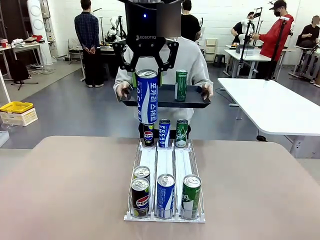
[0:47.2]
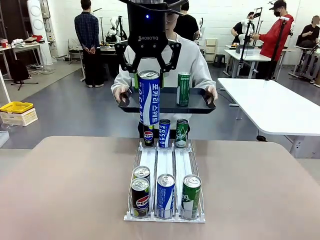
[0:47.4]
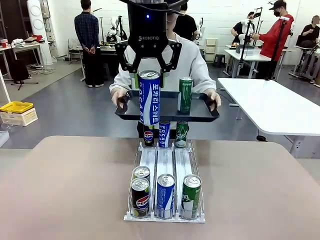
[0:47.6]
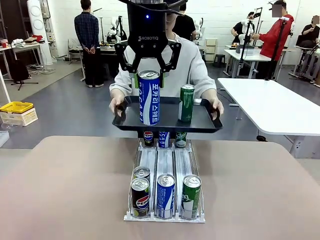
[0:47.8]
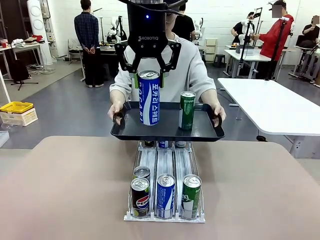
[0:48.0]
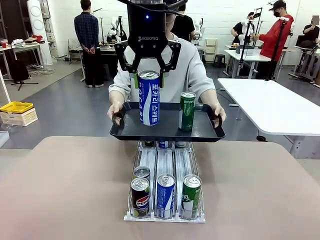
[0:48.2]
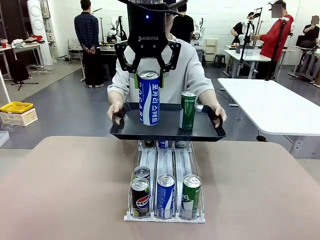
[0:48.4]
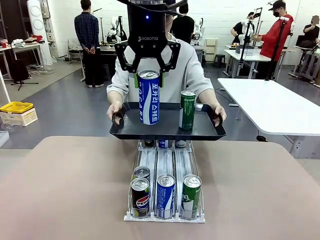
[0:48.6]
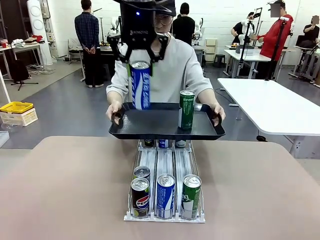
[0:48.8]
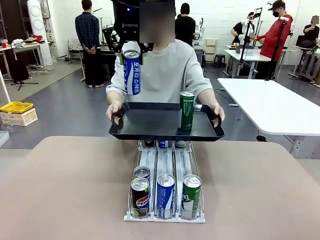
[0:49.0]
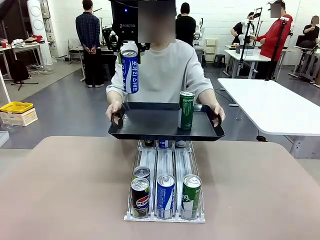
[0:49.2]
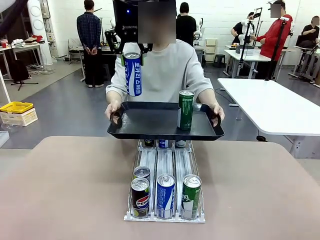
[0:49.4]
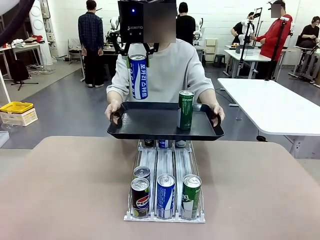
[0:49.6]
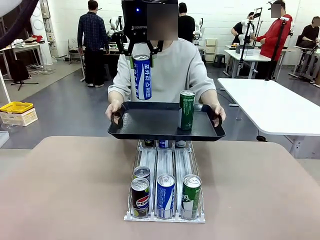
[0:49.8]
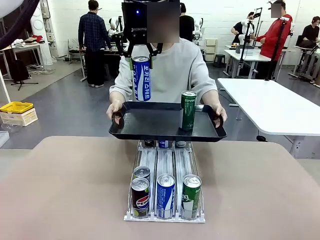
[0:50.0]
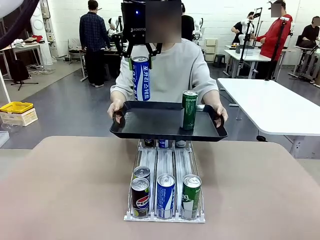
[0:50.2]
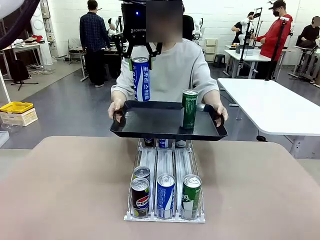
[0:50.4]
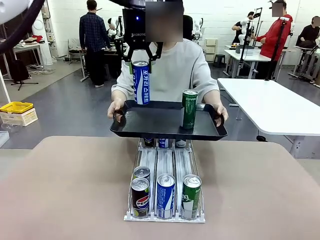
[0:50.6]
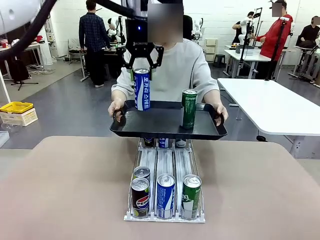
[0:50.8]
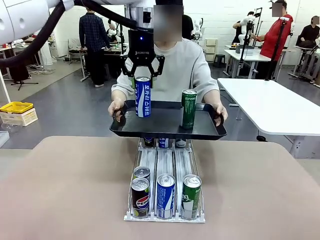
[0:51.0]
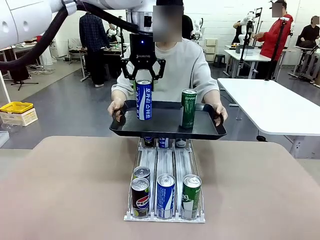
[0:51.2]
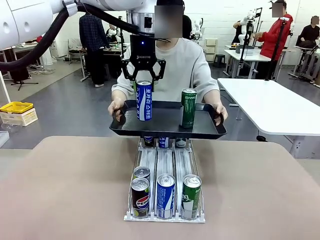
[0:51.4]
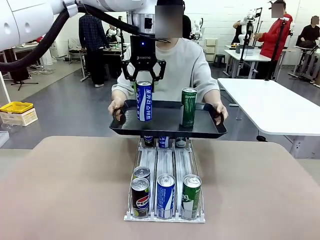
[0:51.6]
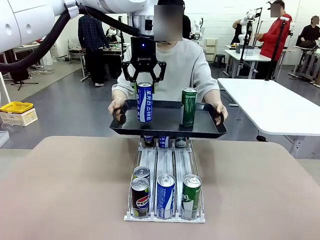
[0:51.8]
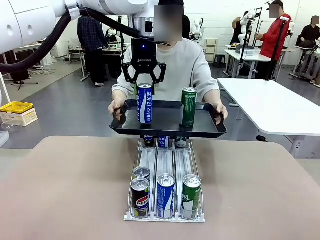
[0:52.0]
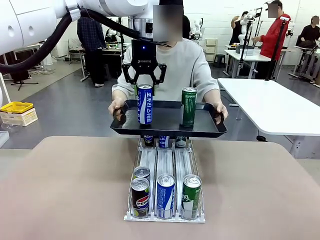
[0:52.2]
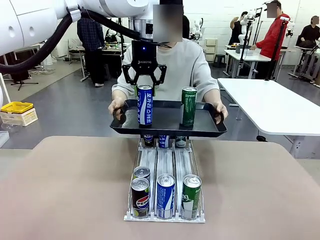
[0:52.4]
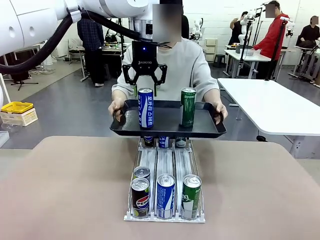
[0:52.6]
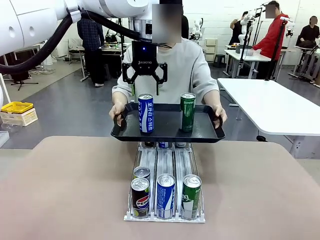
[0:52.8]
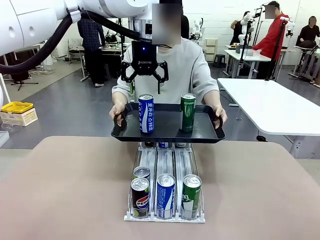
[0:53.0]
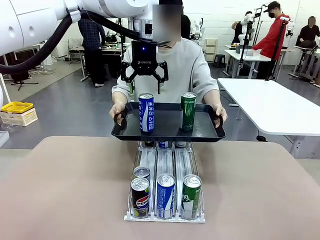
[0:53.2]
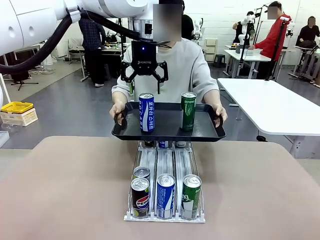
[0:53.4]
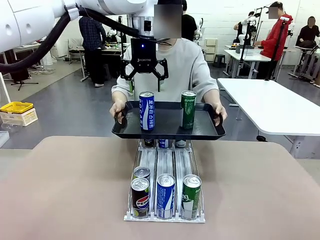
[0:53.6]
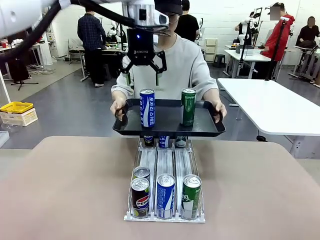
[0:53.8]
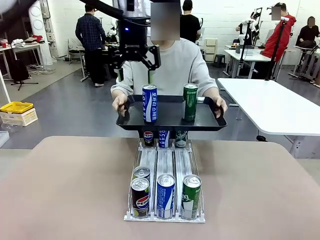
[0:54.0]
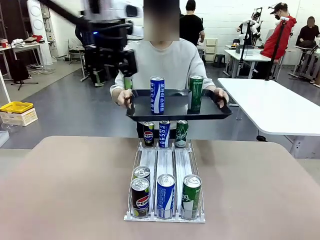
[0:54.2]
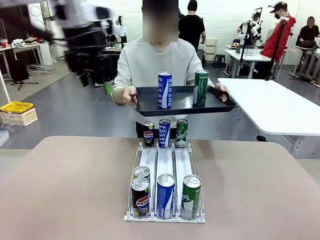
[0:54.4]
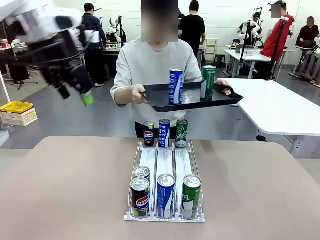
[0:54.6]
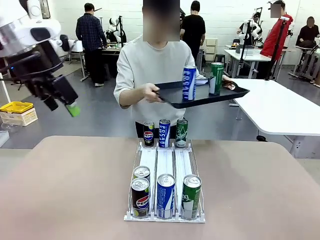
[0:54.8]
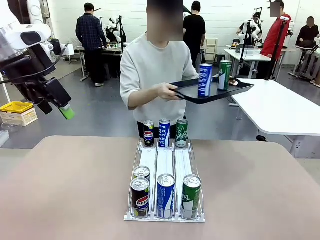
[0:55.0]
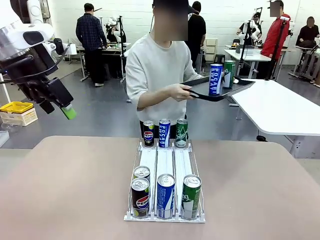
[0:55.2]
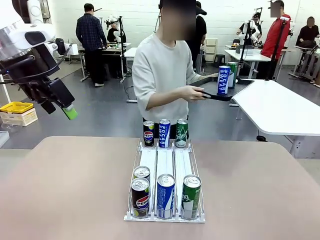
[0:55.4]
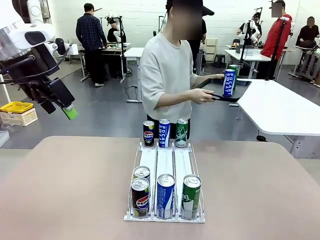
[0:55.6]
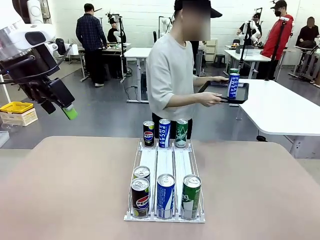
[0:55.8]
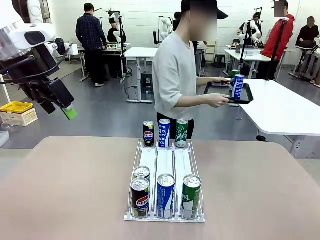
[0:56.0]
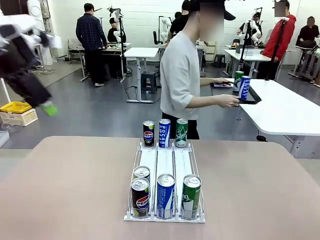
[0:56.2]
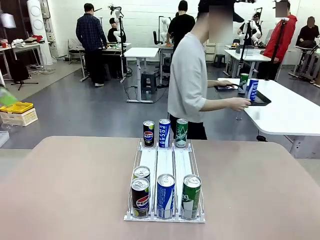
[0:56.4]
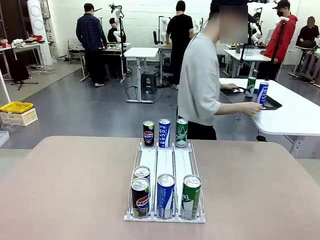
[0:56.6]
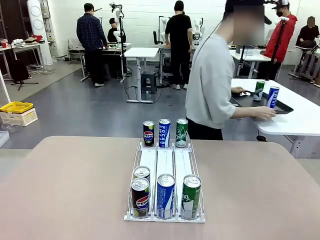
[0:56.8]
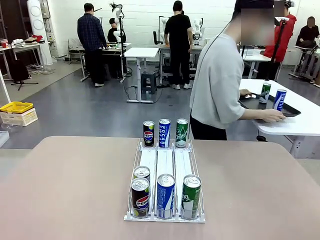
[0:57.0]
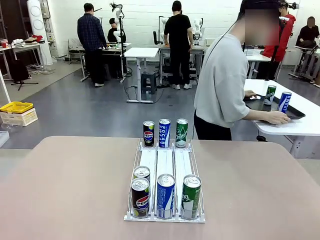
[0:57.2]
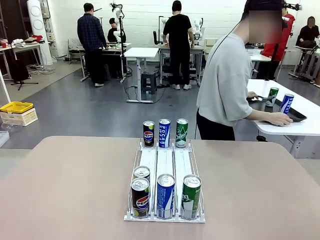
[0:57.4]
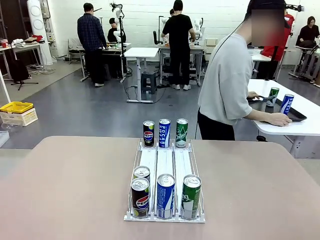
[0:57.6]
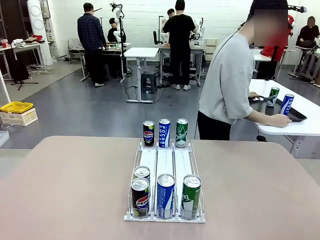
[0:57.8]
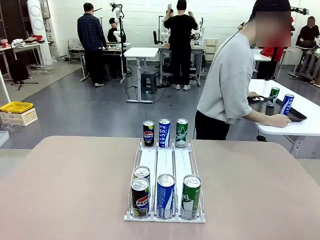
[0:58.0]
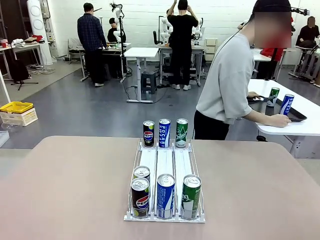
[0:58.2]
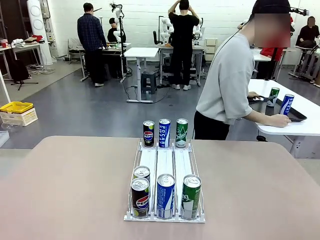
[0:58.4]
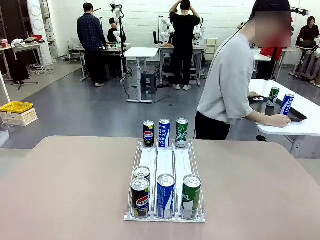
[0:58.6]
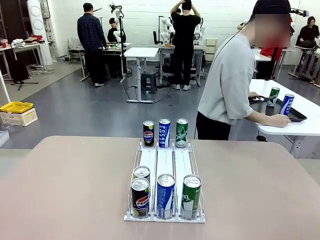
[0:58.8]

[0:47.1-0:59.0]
Task: Retrieve and hand over the desired beverage to the person.
Robot: Place the picked can on the Handle tray extended by the person.
Person: Pull the tray back and place it at the center of the human table.

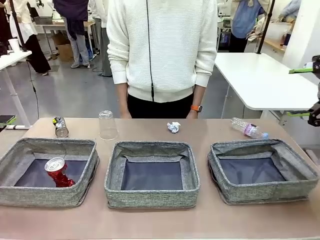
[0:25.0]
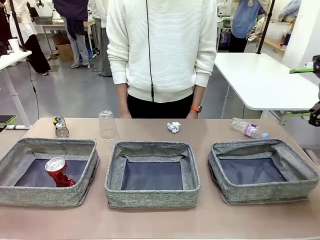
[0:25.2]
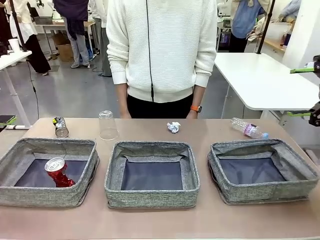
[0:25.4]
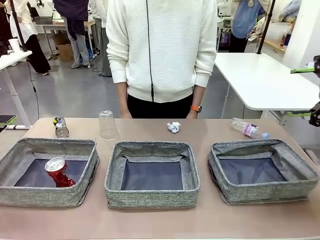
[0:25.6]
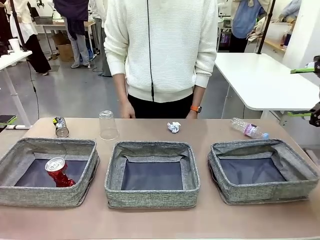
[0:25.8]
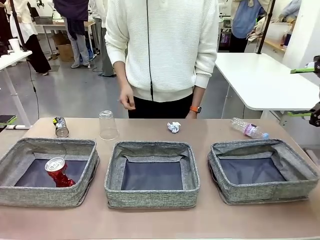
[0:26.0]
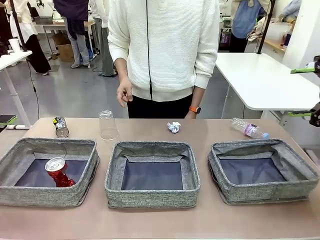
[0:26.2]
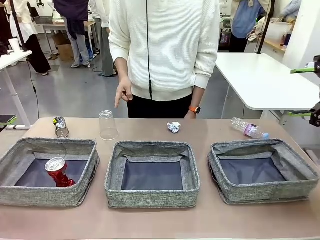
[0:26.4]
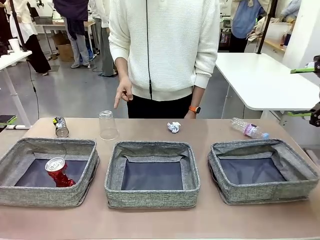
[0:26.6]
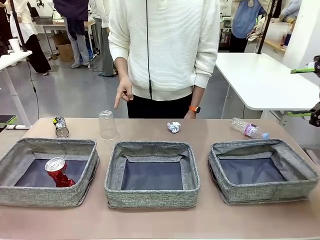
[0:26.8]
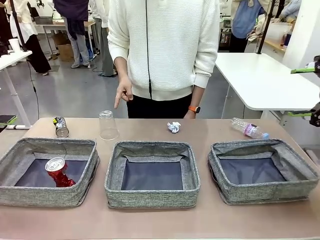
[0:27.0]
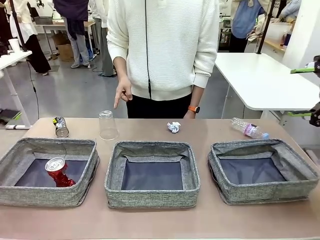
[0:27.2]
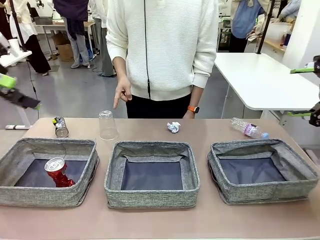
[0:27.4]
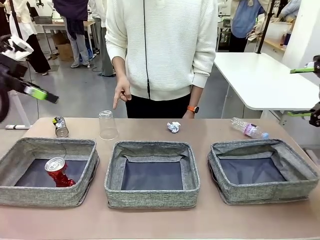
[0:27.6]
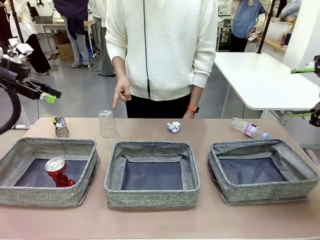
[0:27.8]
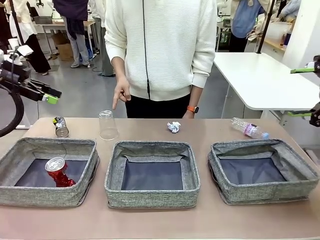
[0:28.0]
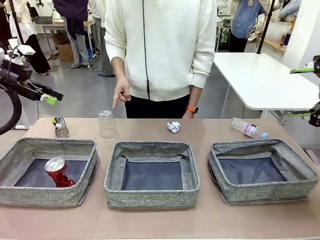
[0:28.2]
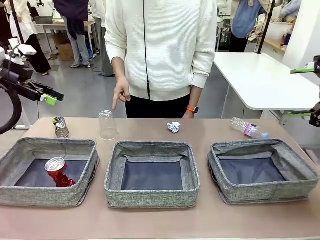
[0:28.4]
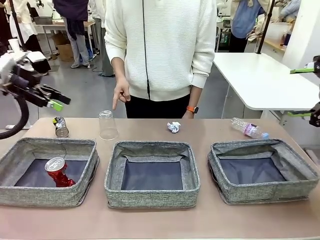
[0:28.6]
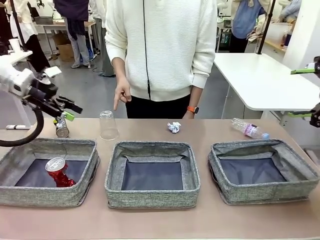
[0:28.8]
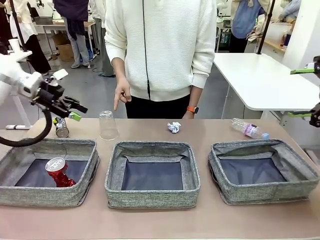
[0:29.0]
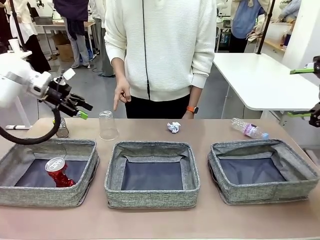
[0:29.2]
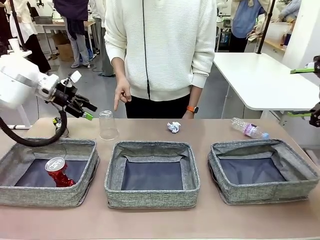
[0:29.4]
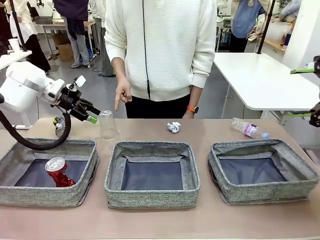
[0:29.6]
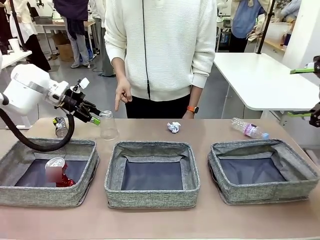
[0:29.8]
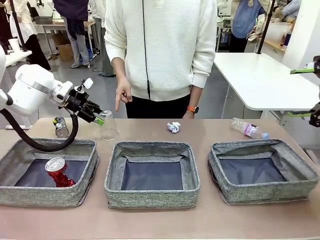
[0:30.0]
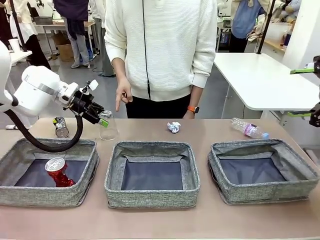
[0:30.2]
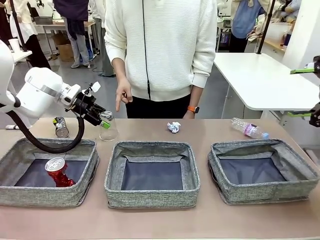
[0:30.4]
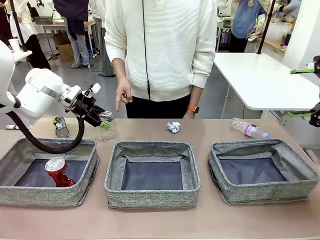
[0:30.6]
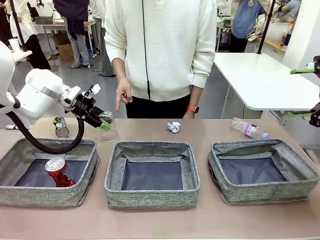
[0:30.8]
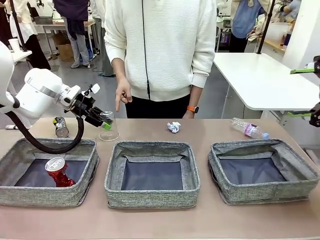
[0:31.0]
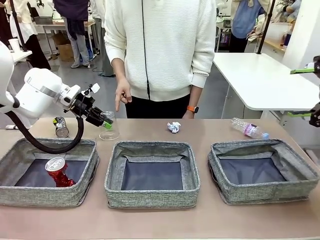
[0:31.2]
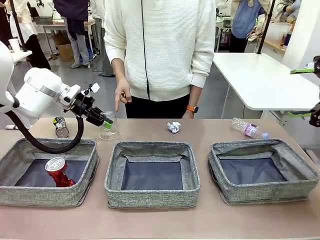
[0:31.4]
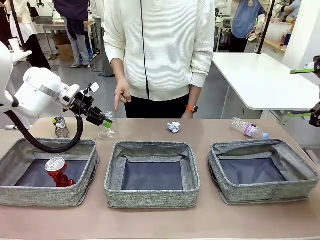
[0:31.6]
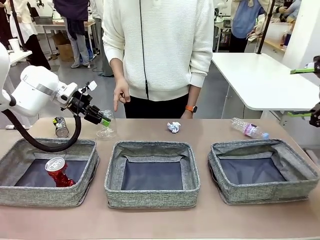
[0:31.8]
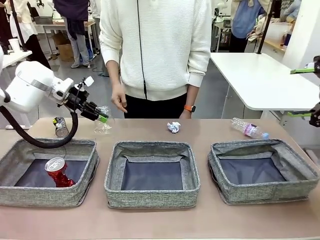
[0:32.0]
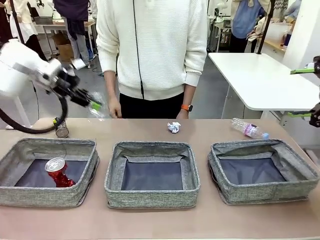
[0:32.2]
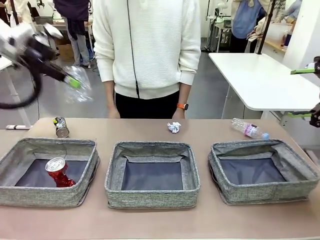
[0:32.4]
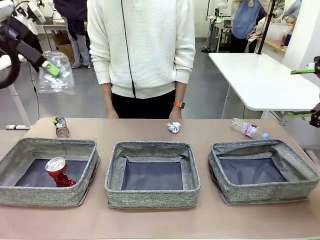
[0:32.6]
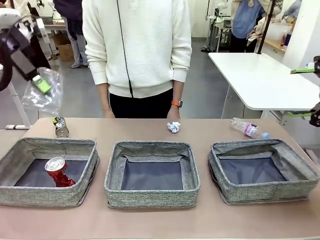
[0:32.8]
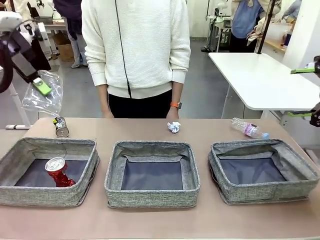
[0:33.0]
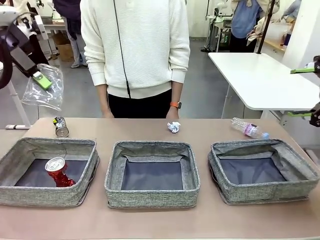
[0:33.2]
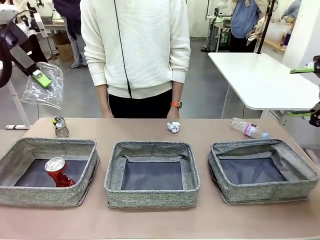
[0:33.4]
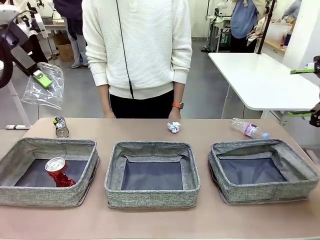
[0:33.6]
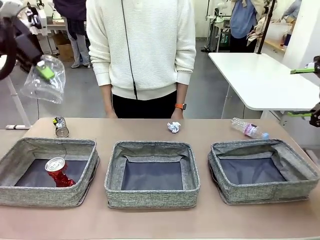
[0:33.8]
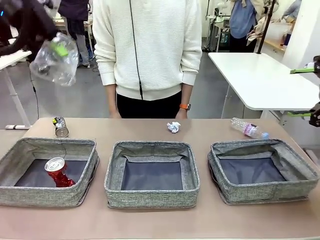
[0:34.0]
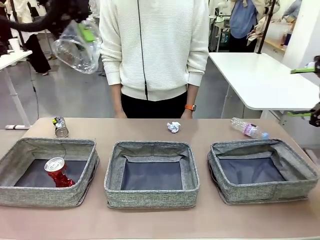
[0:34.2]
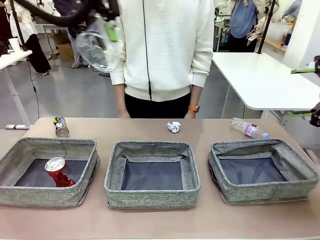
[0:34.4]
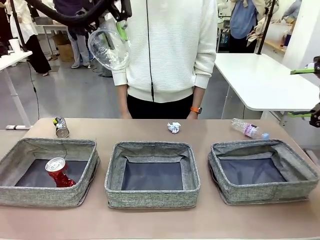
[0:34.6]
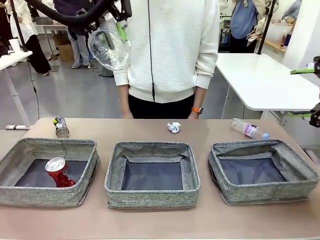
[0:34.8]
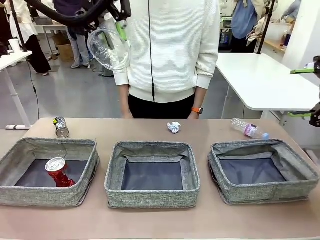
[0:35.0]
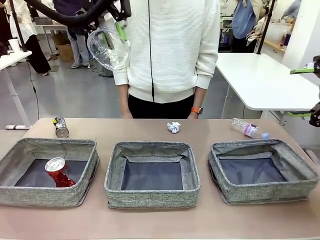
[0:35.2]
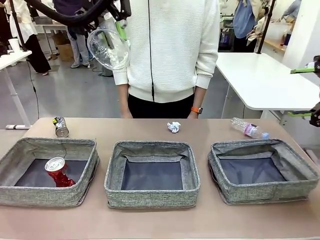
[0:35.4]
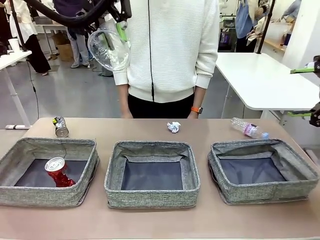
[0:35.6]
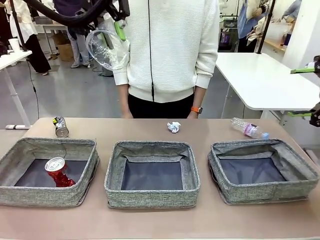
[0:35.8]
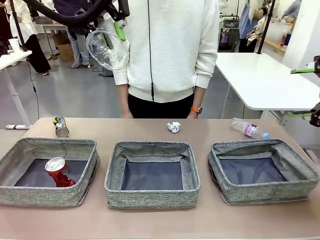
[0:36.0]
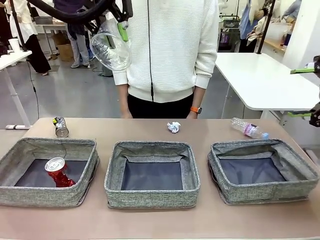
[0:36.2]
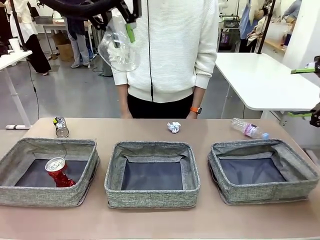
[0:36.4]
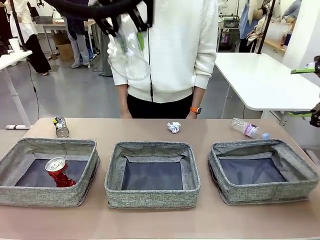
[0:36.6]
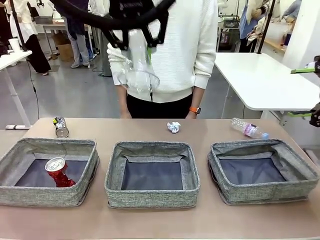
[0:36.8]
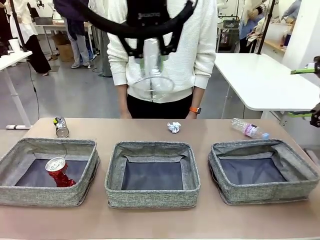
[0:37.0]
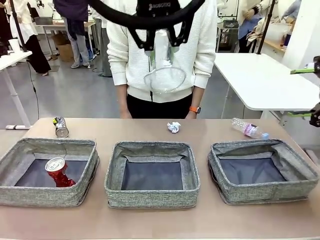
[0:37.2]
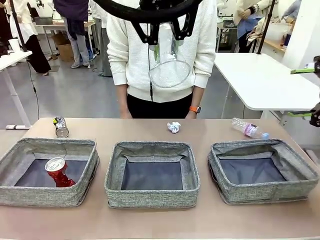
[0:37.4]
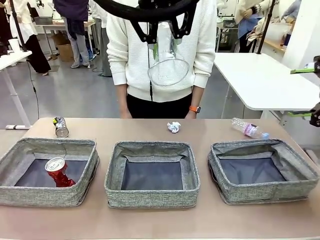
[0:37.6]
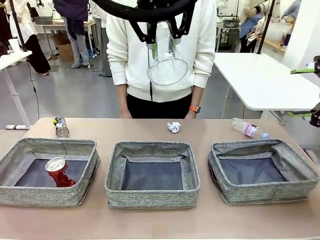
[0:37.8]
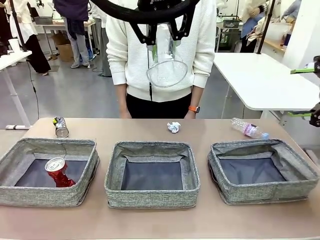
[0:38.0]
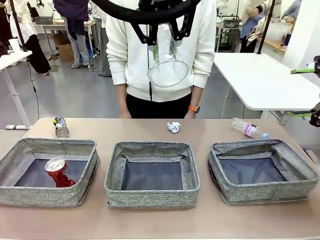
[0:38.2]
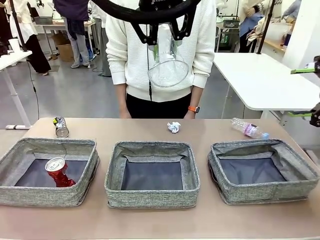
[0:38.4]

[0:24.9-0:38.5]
Task: Sort the waste into the appropriate baskets.
Robot: Pick up the waste item pointed out by the person.
Person: Points to one piece of trash on the table.
